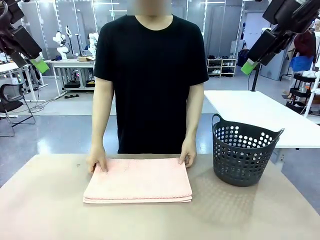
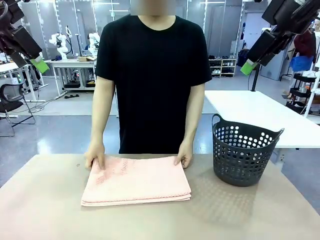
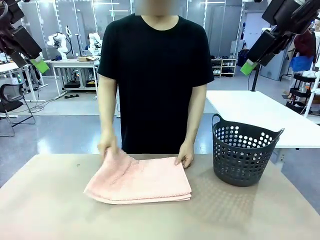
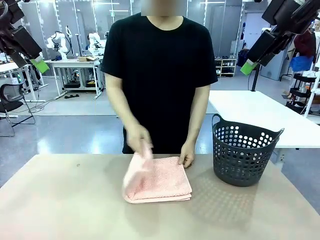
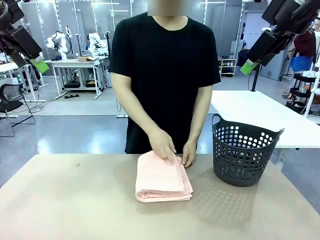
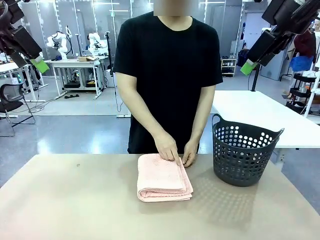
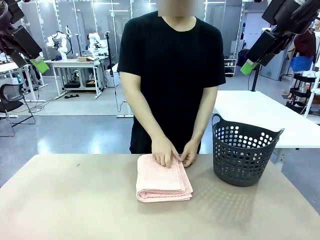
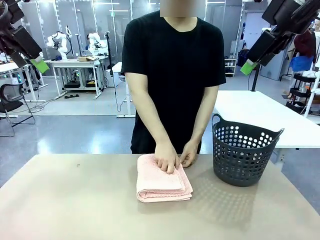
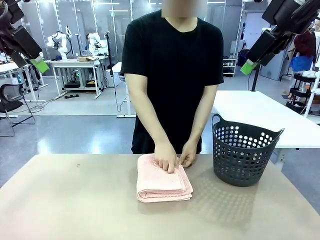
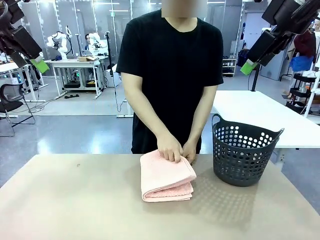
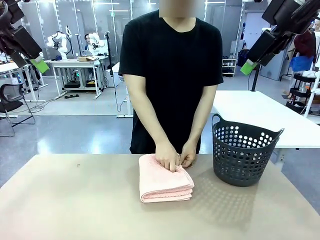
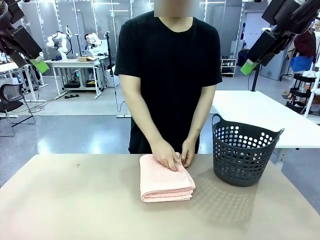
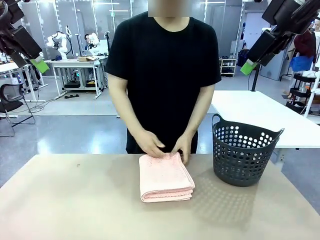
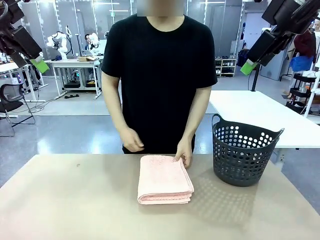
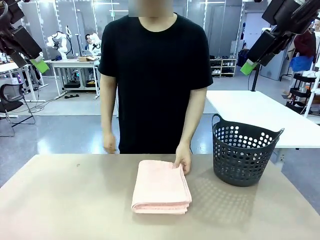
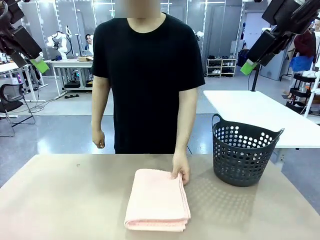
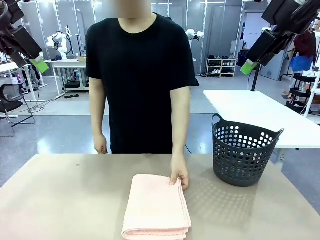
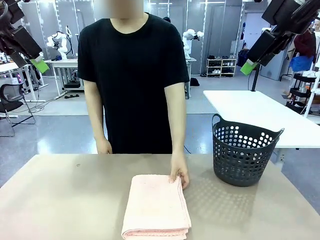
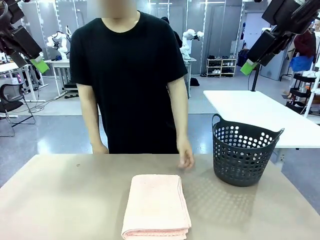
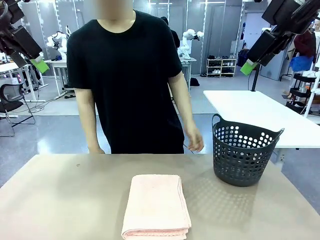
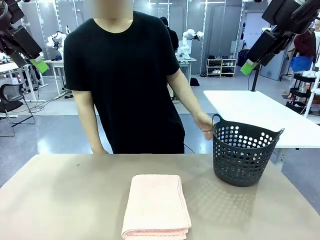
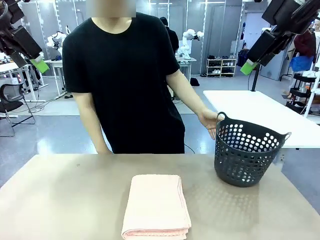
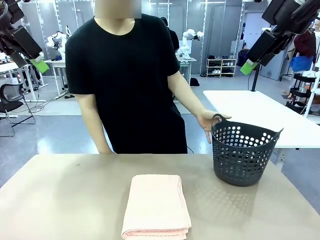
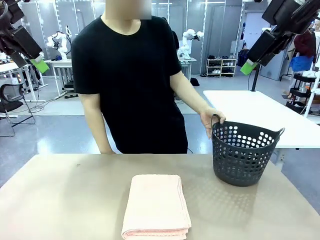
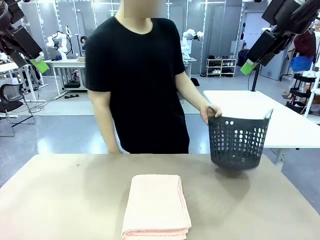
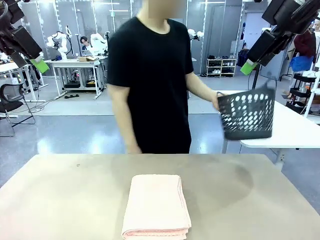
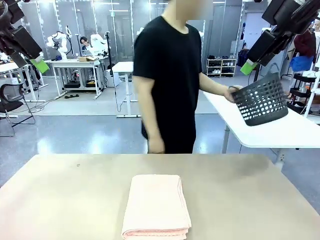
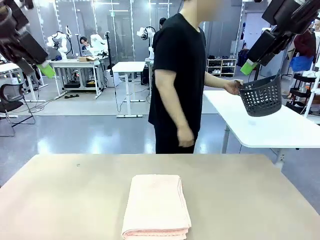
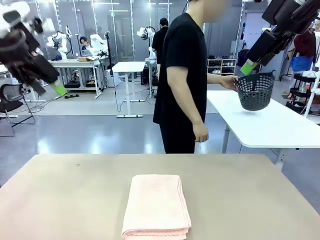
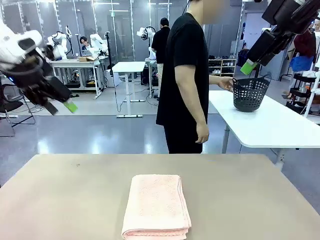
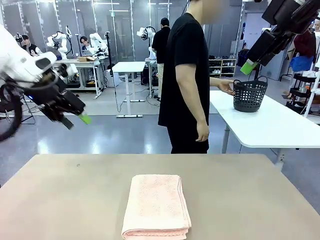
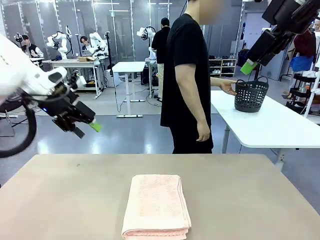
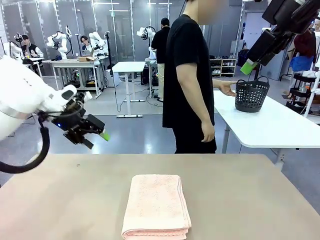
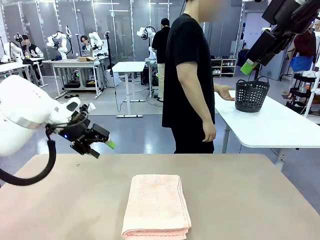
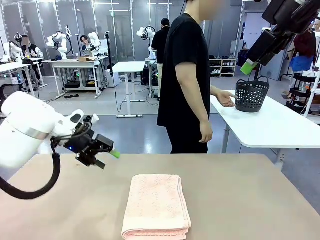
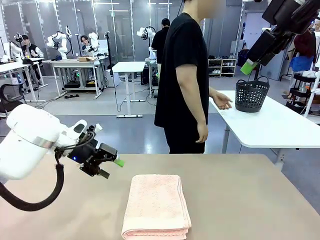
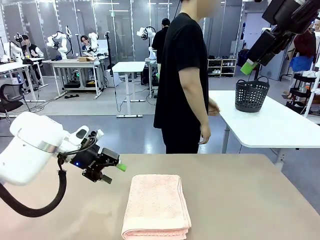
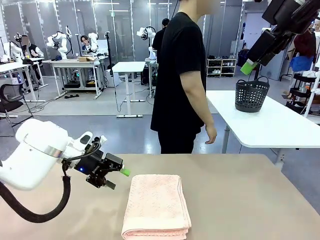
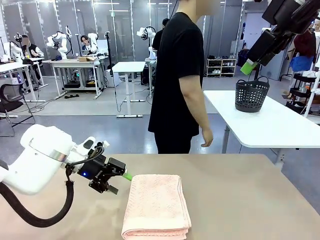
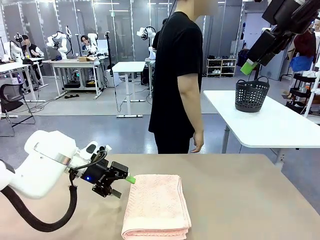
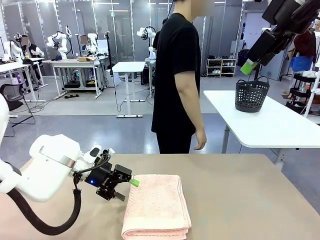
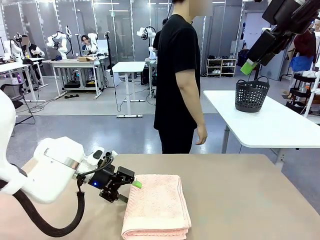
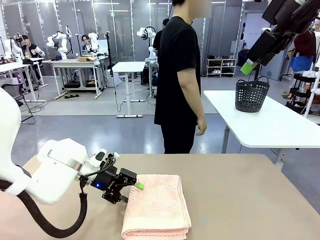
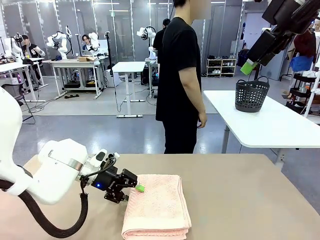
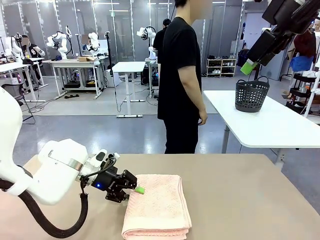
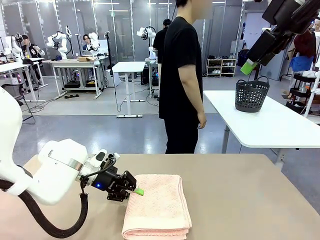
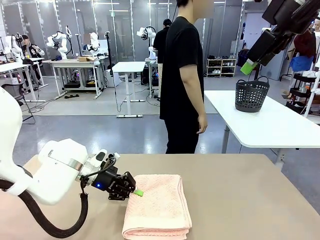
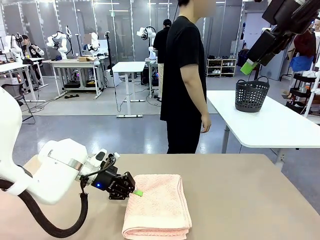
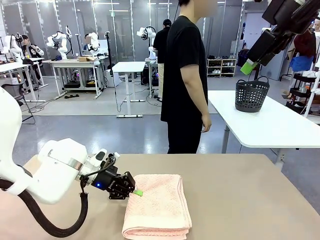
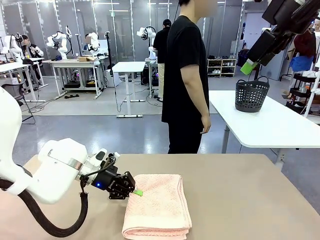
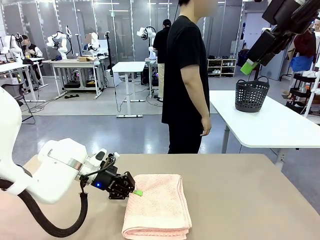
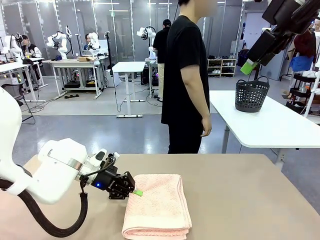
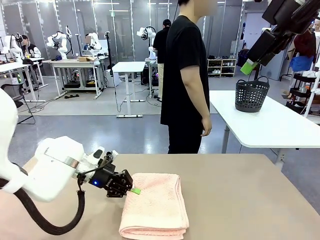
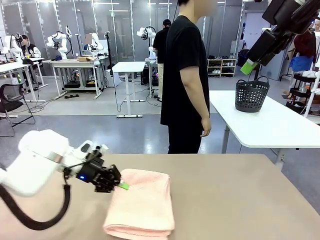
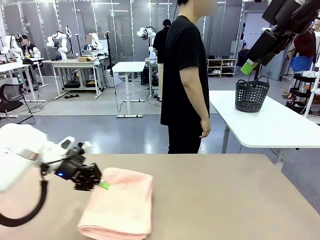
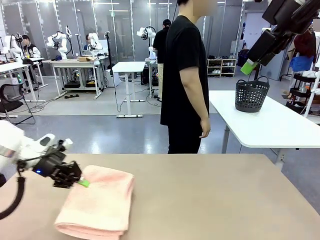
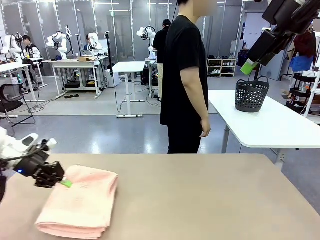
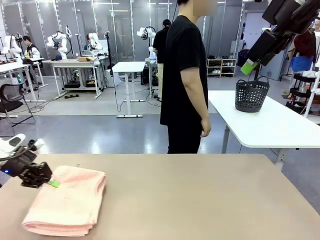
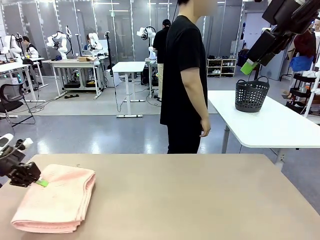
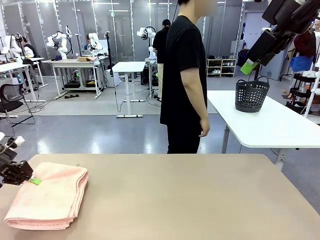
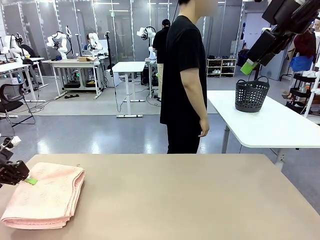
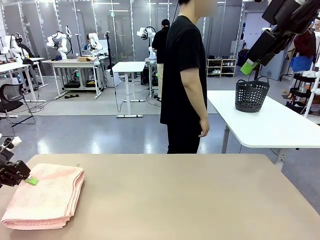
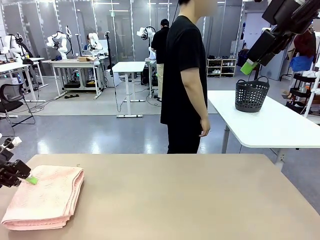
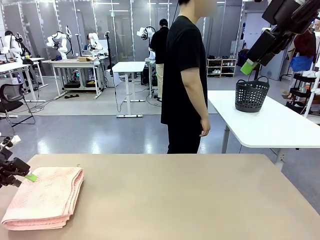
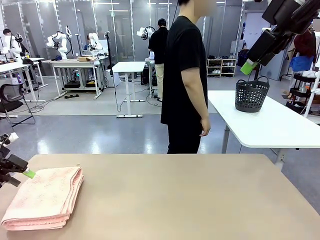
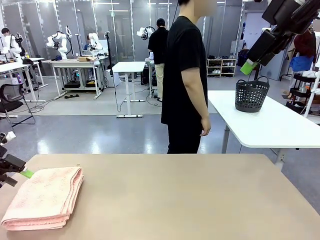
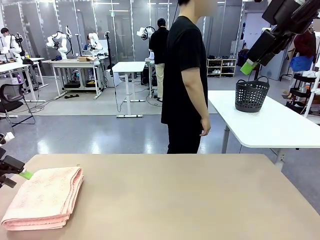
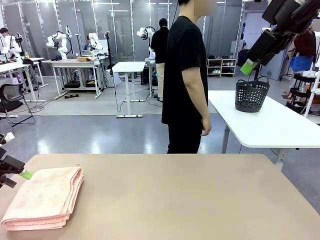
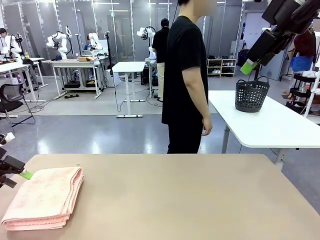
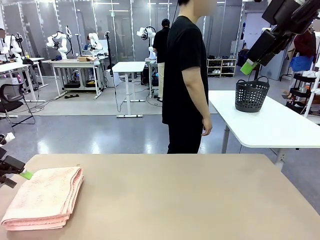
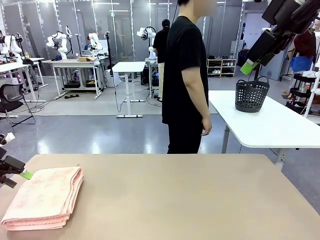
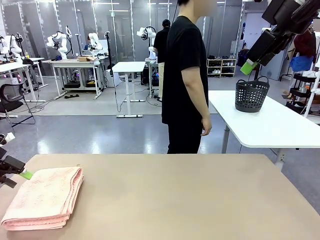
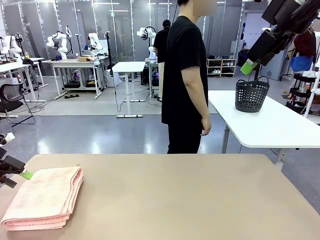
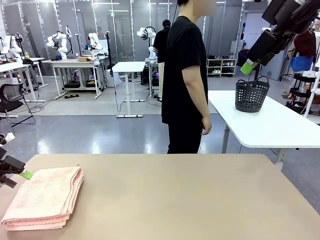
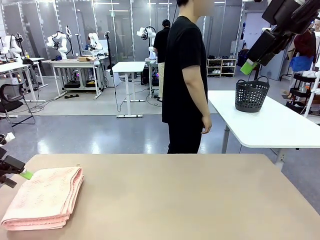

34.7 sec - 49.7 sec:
Task: Fold the towel.
Robot: Pick up the 100 cm Hotel Towel and place it on the left side of the table.
Person: Place the towel at the center of the robot table and fold it in half. Pick up the laundry basket and place it at the center of the human table.

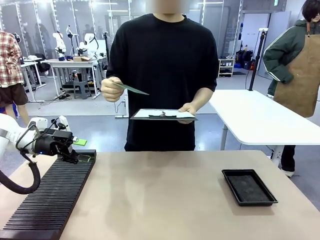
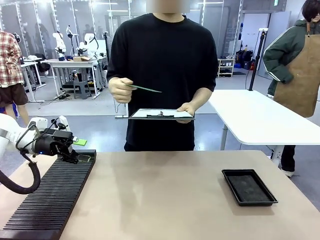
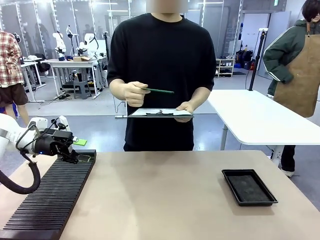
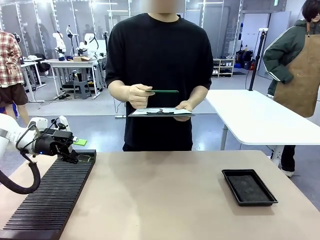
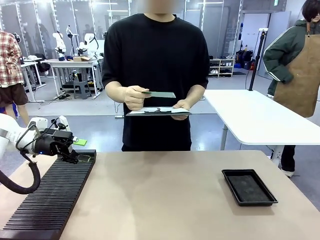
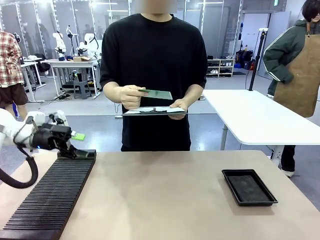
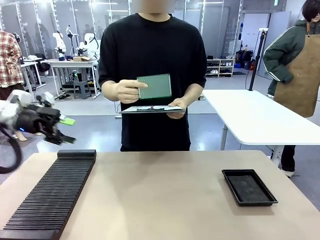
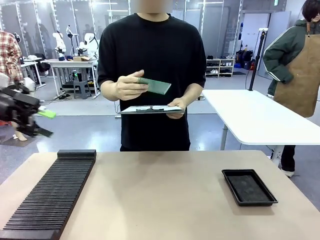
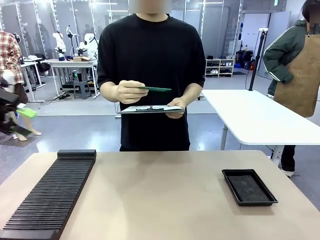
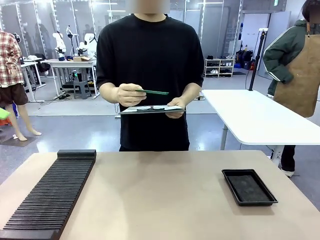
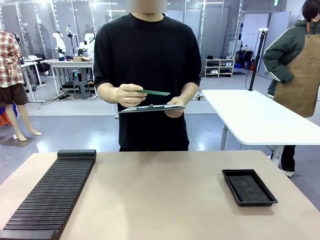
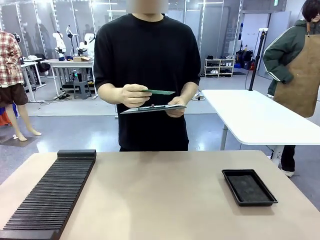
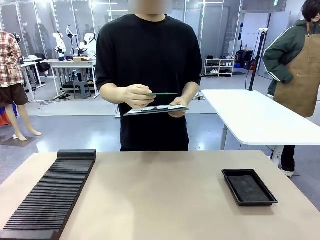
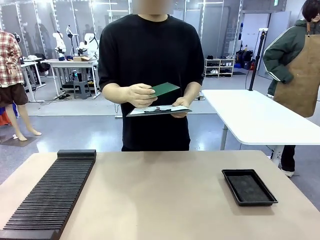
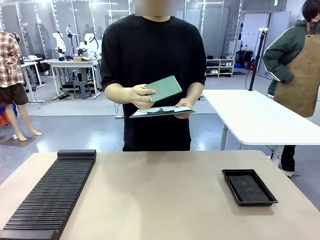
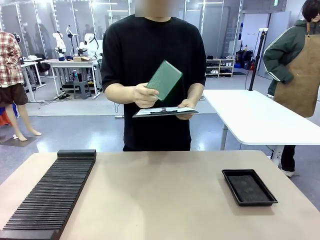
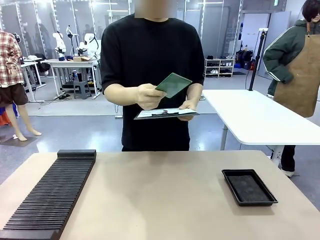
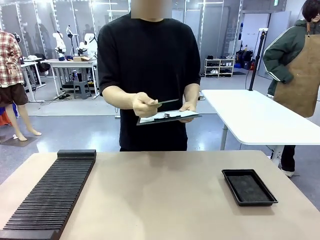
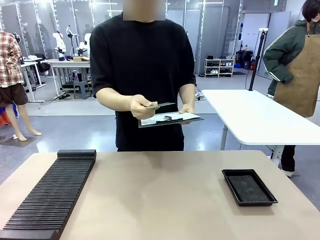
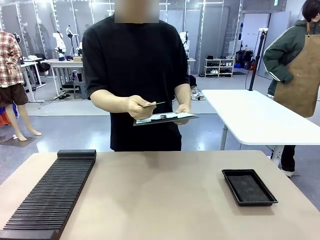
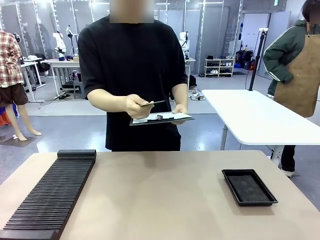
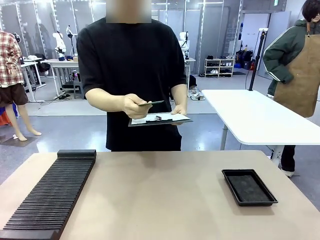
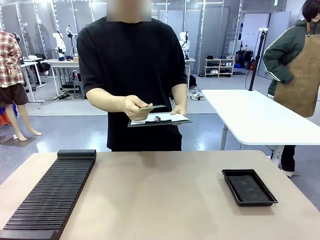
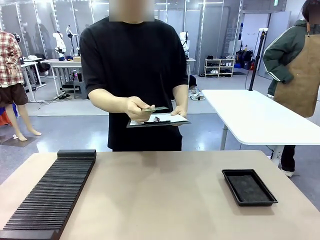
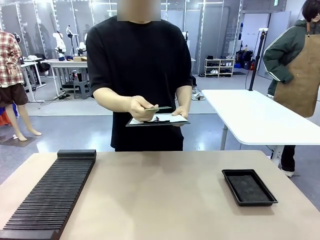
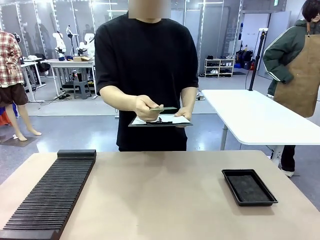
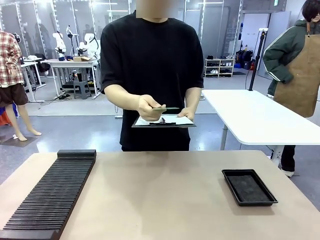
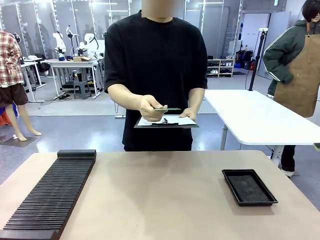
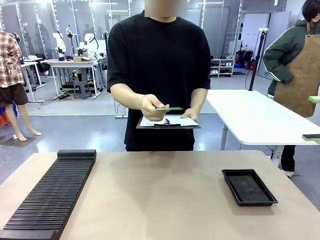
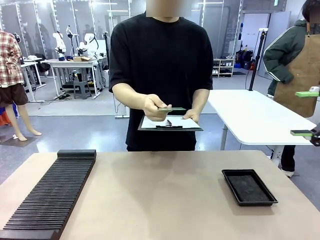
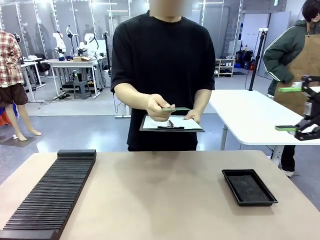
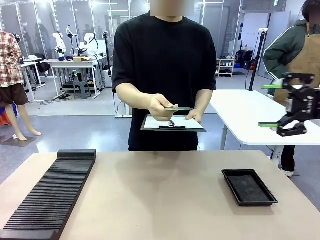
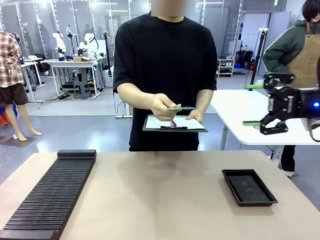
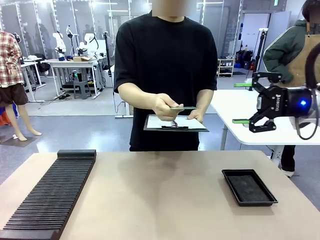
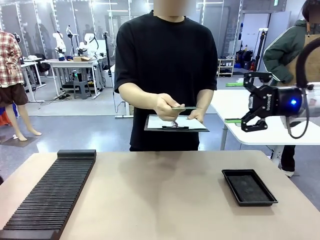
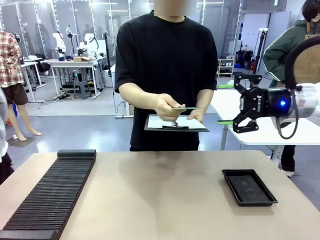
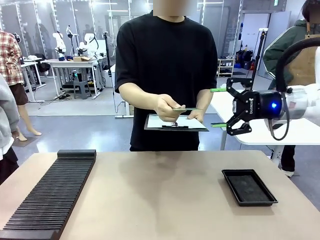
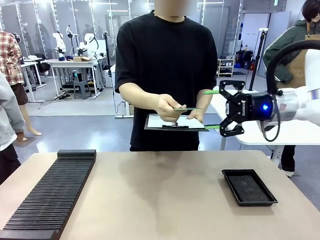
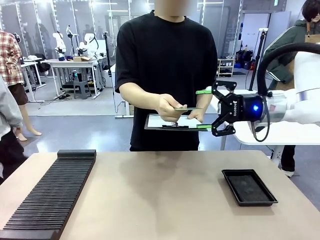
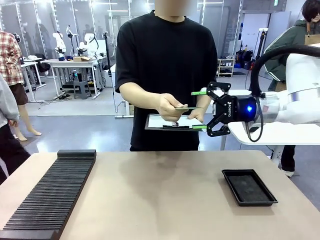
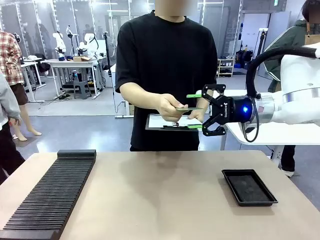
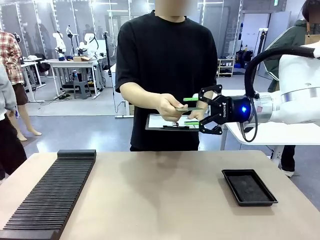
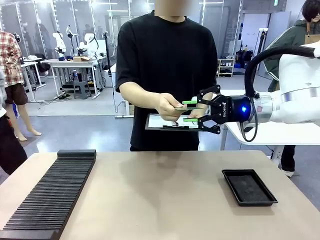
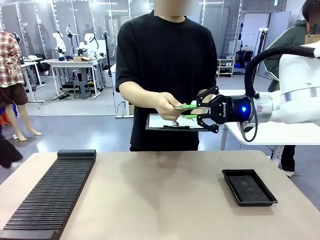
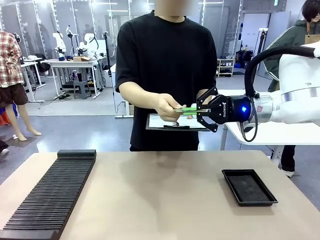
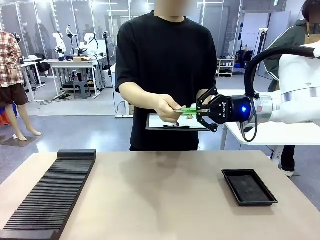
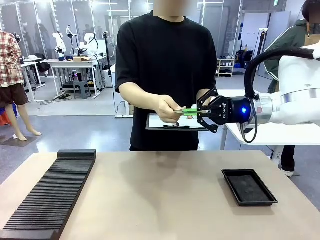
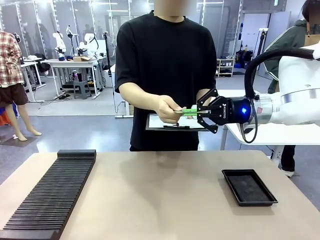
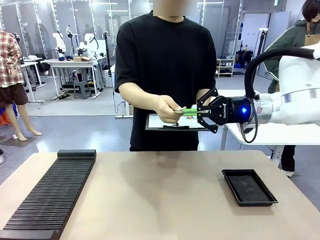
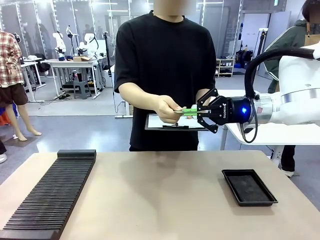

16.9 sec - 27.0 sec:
Task: Inspect the PCB.
Robot: Pick up the Blank PCB that the human is holding.
Person: Inspect the PCB placed by the robot, then hold it out in front of the robot. Release the PCB you were holding.
